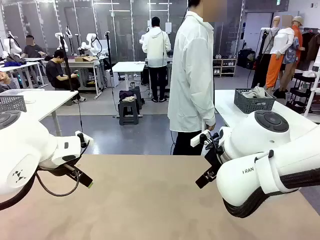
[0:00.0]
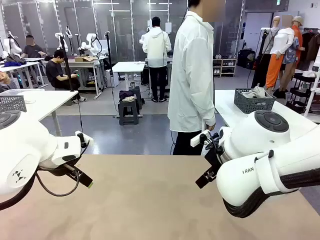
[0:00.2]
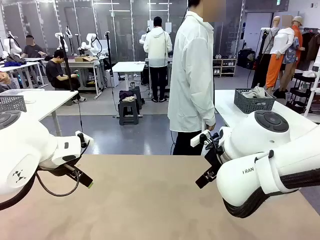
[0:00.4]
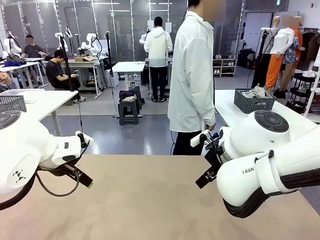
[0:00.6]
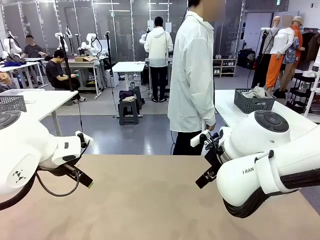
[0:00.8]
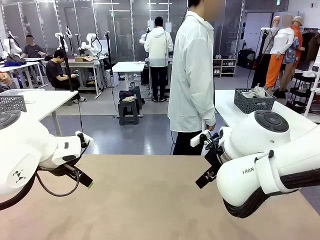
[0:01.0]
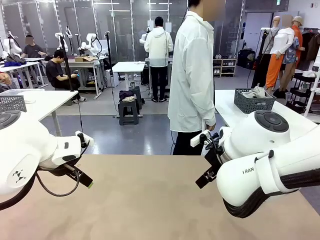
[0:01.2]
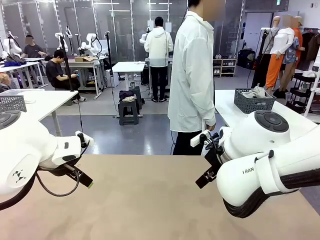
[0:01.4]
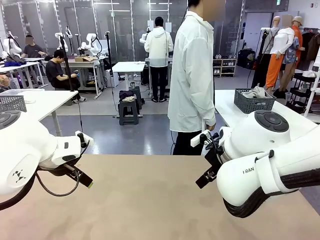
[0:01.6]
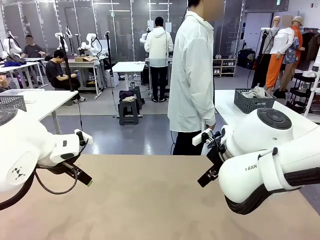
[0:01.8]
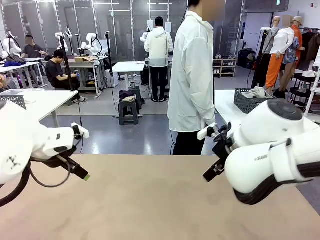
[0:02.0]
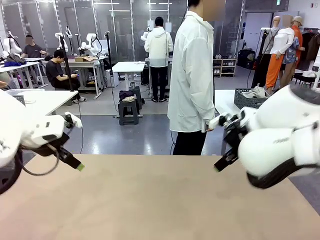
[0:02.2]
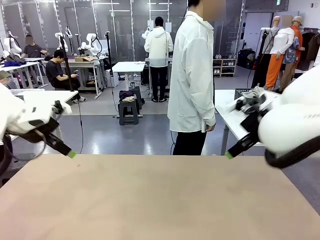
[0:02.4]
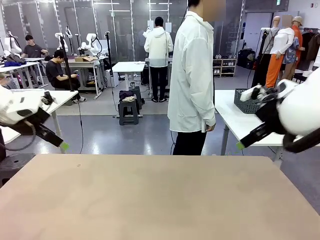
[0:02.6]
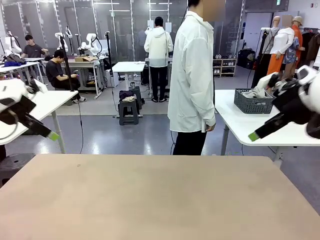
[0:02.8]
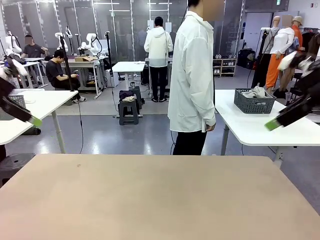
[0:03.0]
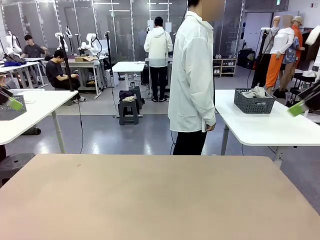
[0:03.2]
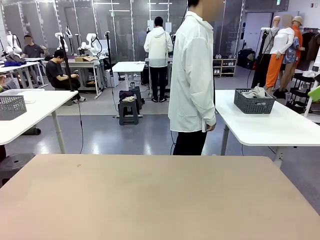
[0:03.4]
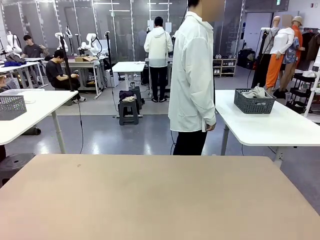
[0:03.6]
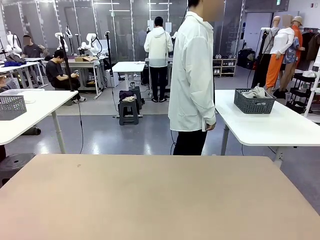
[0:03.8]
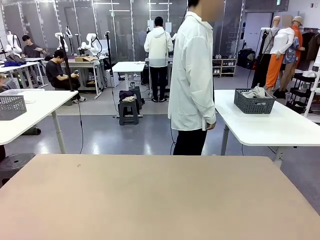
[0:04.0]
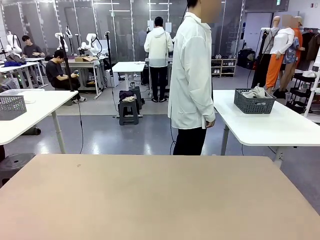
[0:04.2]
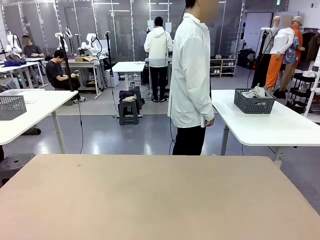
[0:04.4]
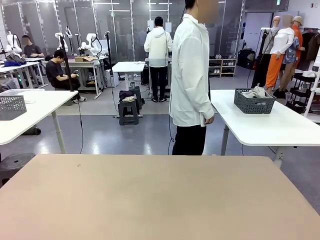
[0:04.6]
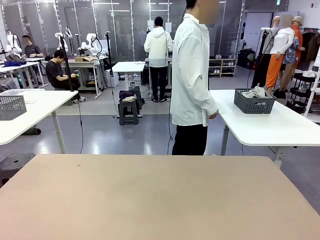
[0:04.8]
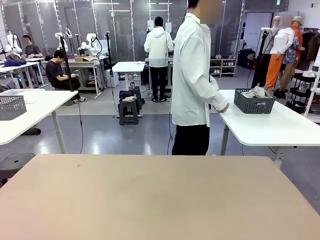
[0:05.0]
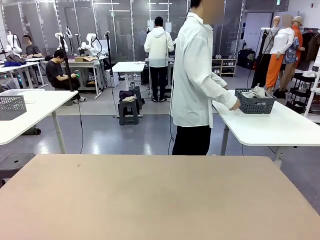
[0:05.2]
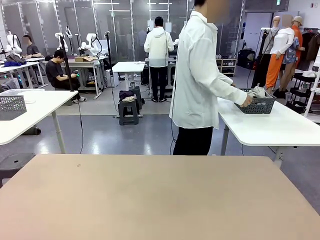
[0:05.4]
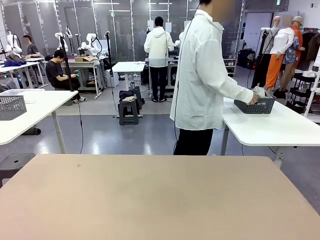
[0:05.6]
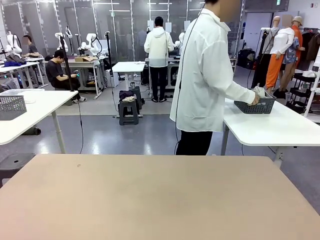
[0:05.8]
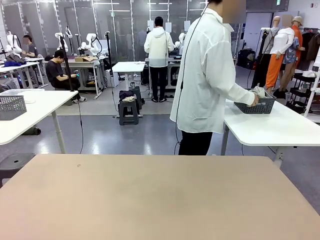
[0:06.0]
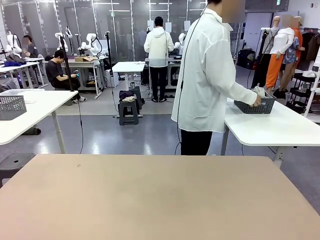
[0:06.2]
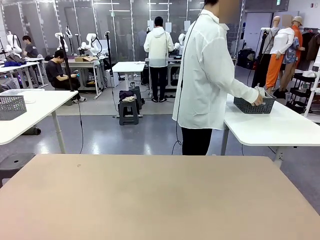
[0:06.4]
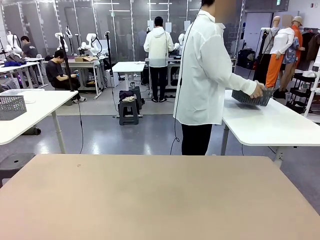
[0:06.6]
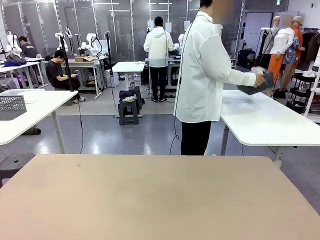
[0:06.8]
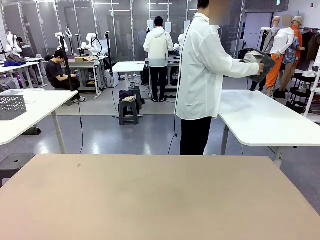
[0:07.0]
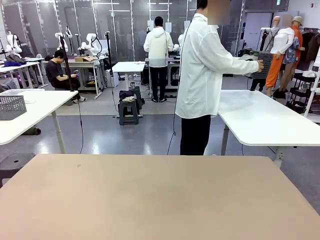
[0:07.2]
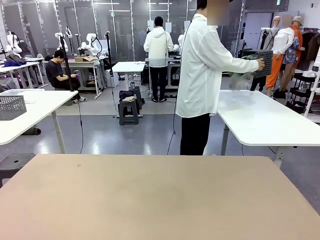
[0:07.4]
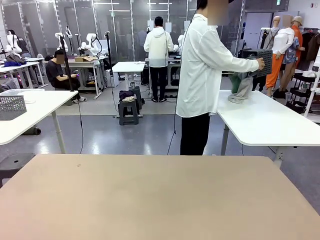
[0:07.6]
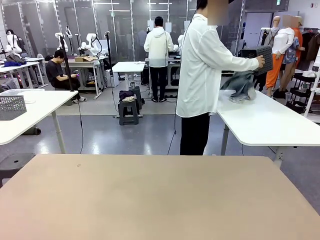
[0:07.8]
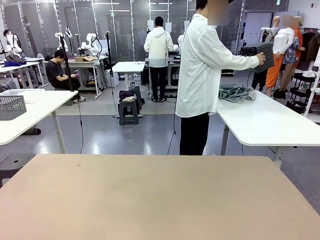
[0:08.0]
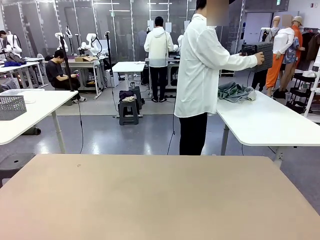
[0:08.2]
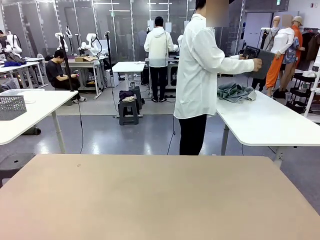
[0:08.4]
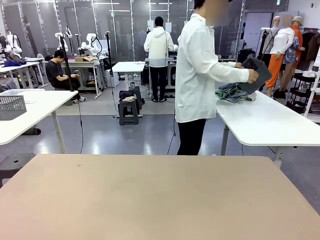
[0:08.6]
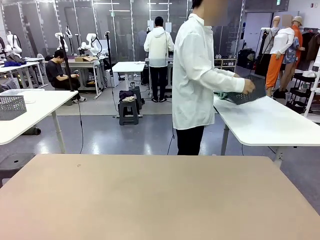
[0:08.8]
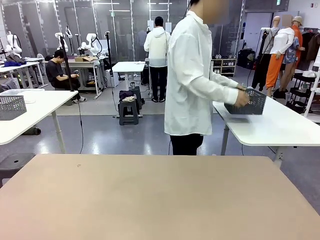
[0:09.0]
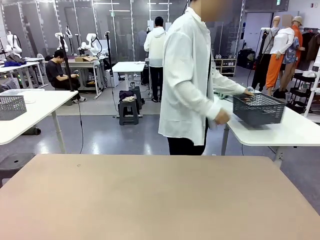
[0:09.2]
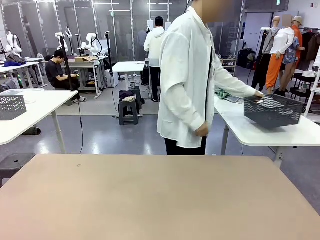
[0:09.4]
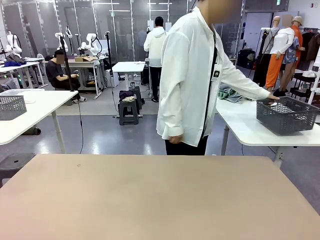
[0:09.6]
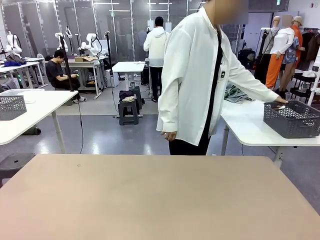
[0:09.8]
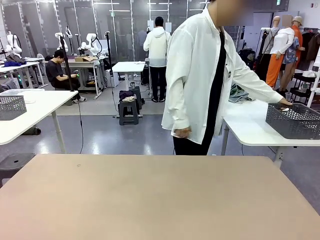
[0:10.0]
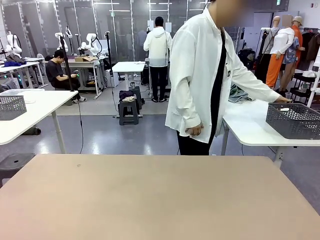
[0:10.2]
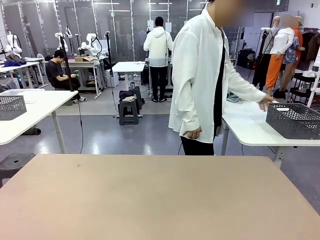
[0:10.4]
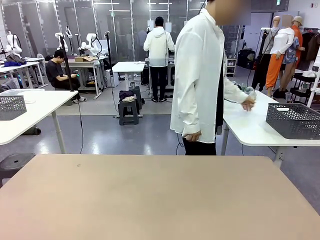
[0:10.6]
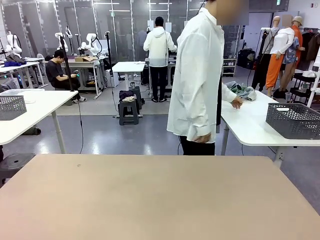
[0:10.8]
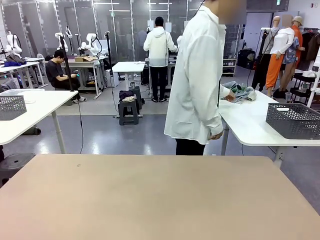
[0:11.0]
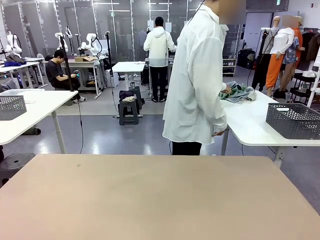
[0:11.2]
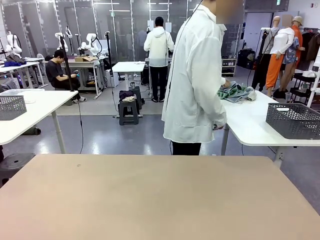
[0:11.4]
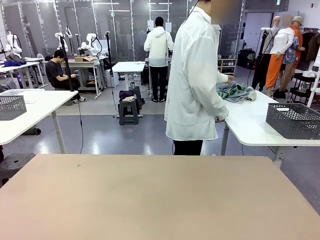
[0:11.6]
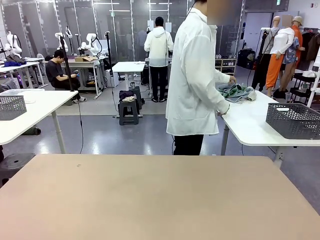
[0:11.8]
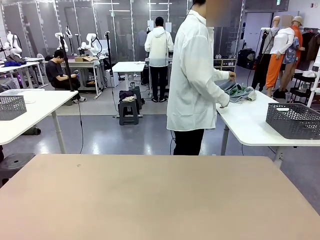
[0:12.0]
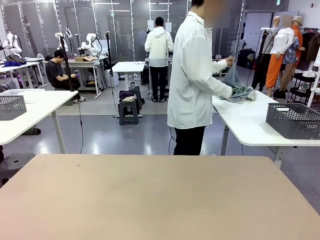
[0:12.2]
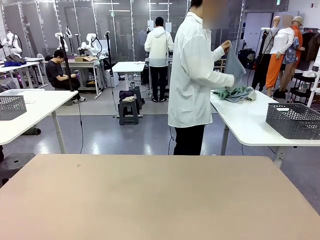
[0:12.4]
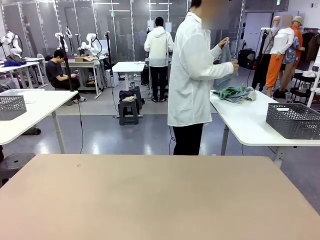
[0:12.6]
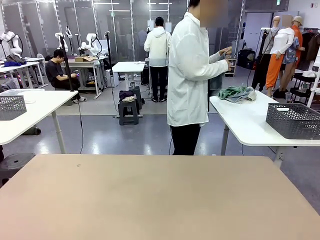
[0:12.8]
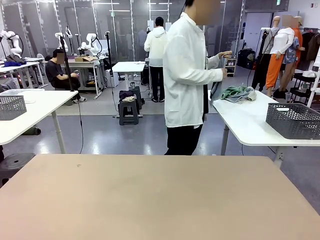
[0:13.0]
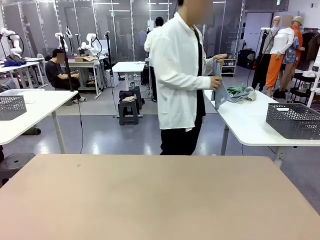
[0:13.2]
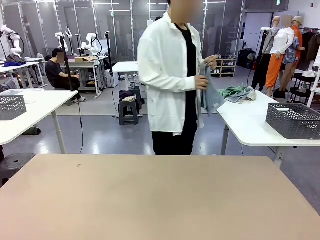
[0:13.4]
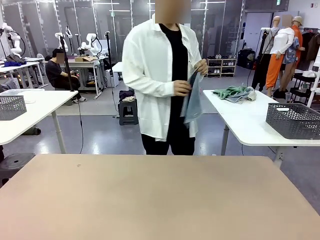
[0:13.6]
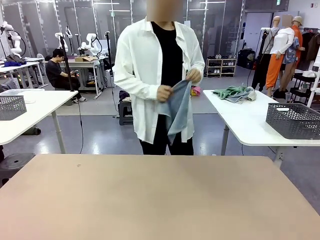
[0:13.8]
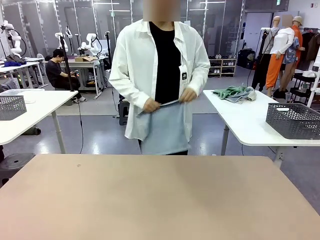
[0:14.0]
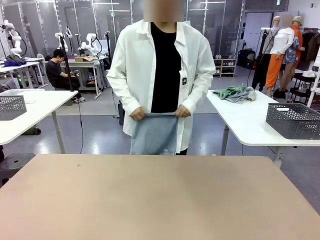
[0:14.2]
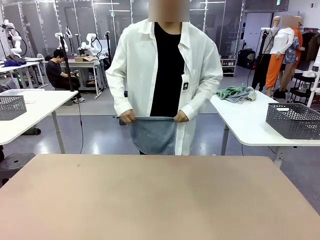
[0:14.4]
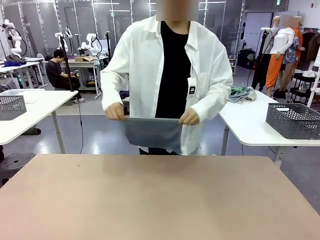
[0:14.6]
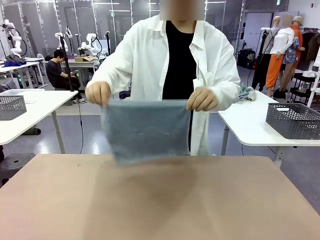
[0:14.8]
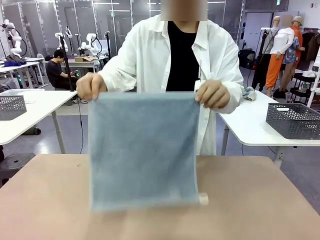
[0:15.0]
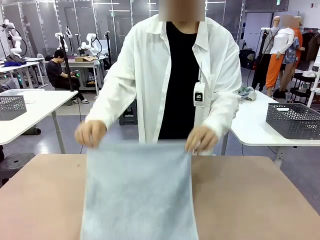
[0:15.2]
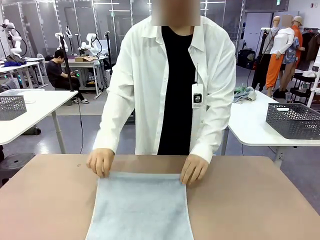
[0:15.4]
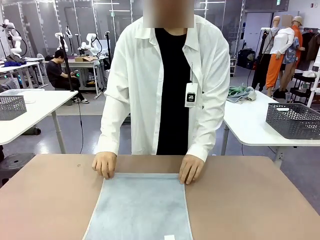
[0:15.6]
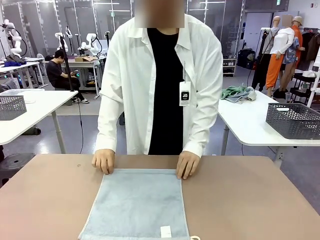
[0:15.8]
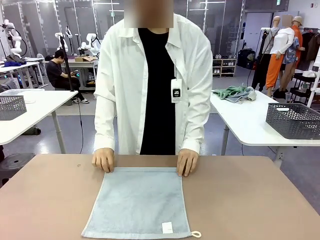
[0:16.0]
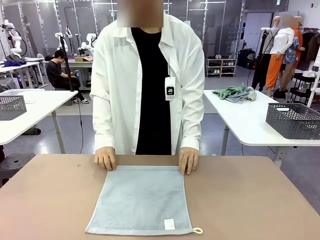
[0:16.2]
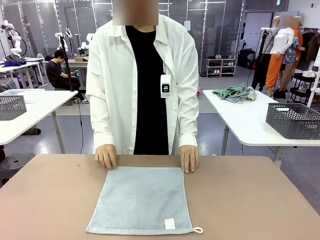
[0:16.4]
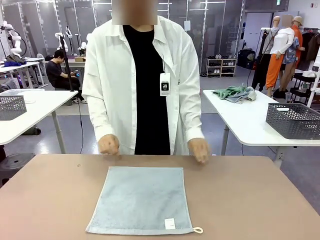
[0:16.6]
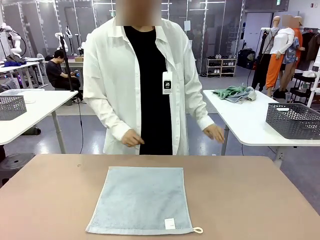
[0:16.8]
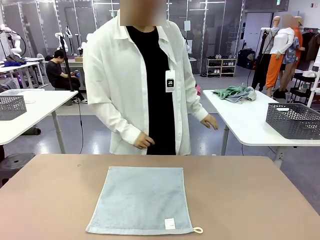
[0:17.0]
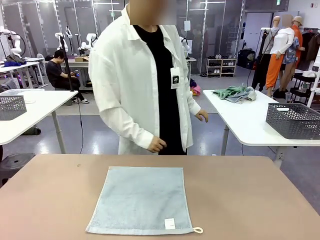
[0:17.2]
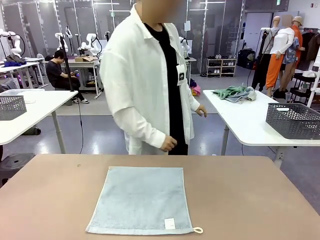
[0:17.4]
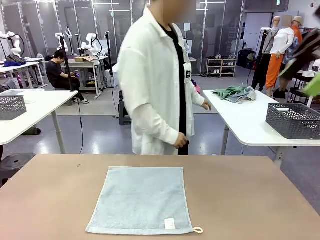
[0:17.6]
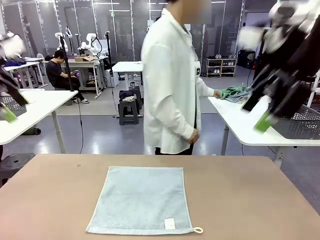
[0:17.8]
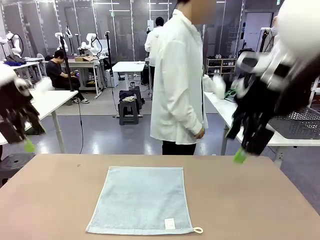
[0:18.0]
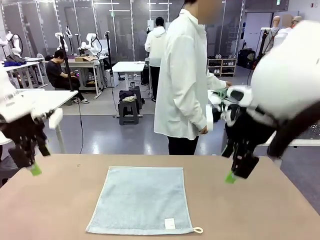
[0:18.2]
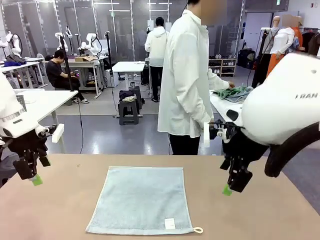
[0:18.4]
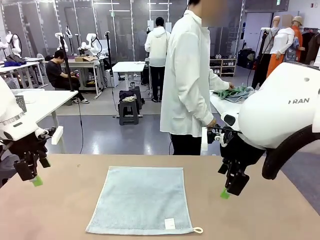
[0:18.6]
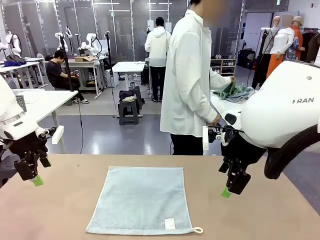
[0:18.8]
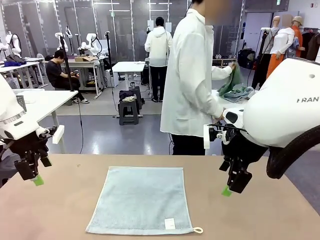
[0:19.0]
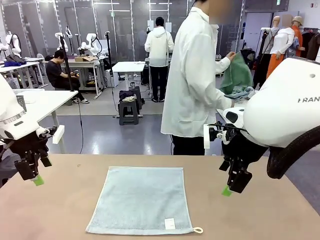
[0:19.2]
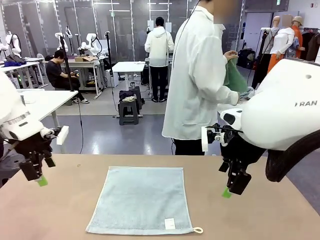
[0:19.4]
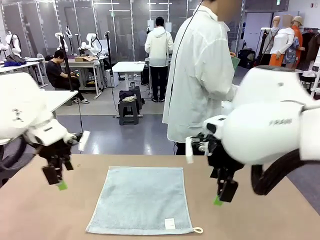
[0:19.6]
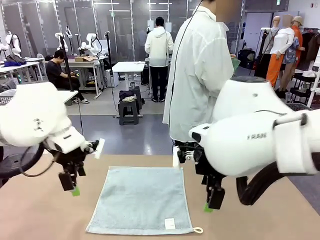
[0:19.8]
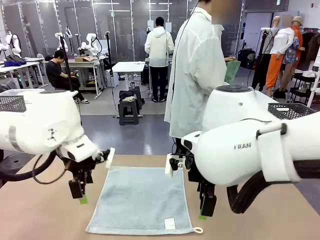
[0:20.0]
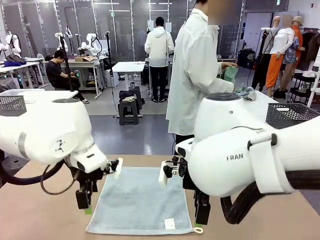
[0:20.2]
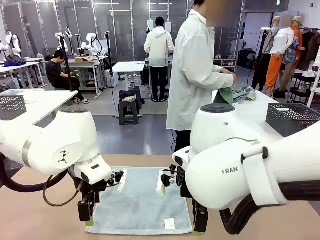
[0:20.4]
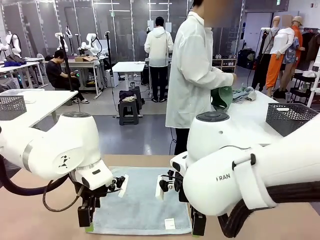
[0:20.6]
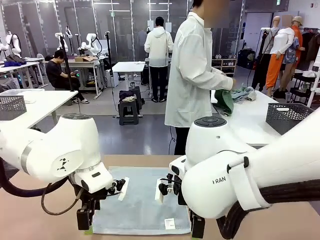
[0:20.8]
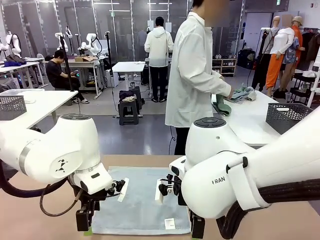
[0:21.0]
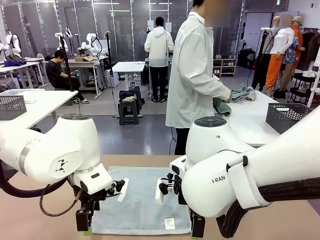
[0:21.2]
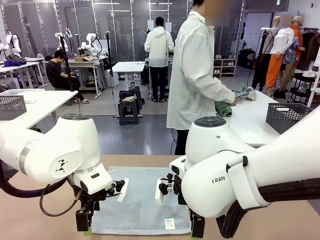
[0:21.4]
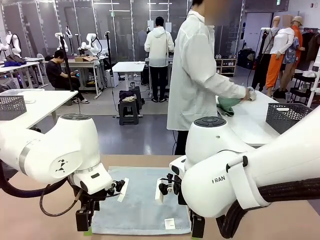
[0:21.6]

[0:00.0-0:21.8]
Task: Fold the towels and place them in the basket.
Robot: When a person lays out a Towel with hook on the table, fold it in half twice.
Person: Pick up the basket, pour the towels onto the left side of the human table, and place the basket on the right side. Pick up one towel and spread it out at the center of the robot table.
